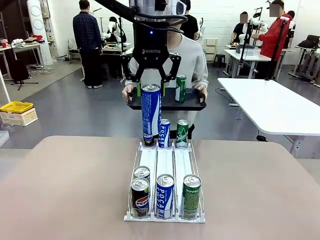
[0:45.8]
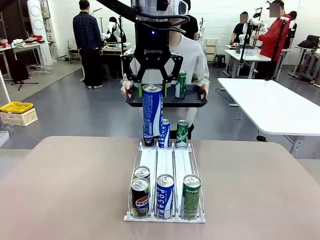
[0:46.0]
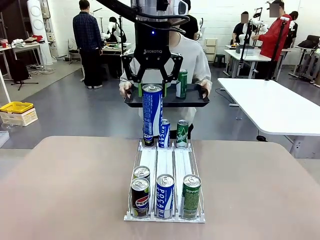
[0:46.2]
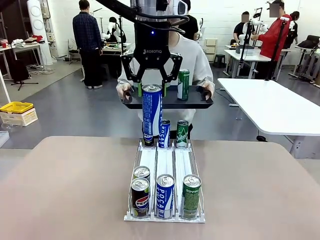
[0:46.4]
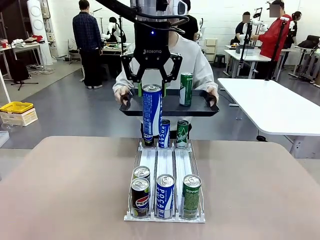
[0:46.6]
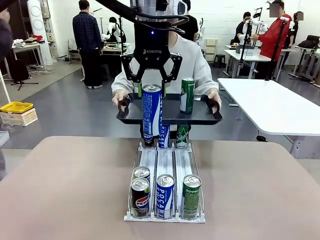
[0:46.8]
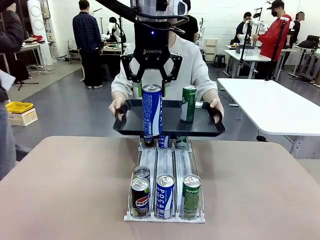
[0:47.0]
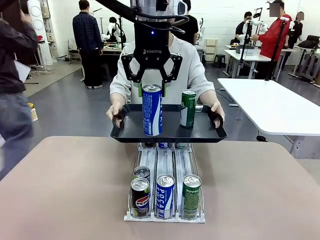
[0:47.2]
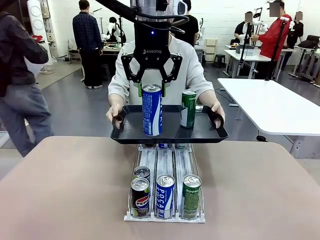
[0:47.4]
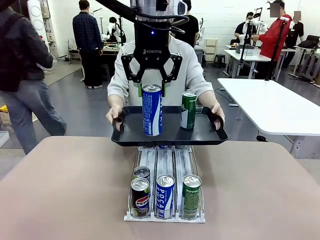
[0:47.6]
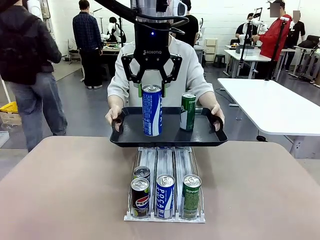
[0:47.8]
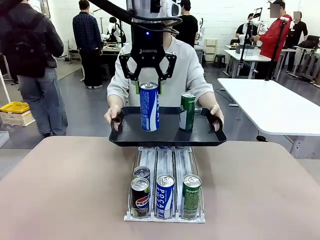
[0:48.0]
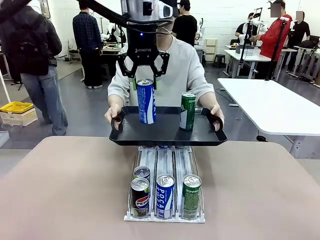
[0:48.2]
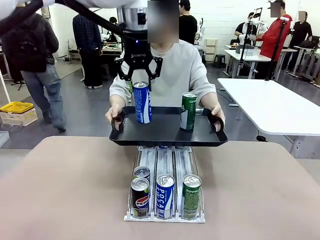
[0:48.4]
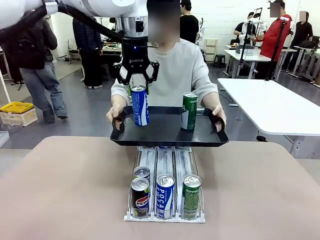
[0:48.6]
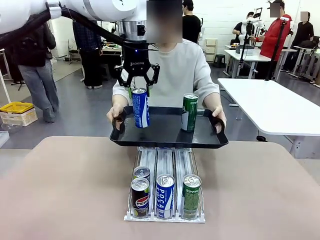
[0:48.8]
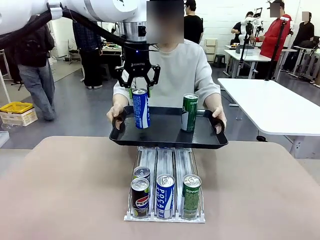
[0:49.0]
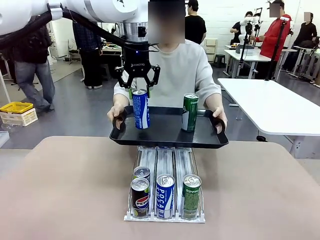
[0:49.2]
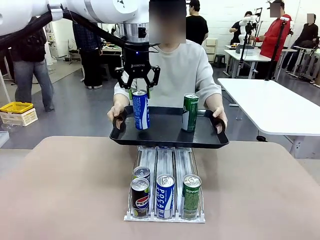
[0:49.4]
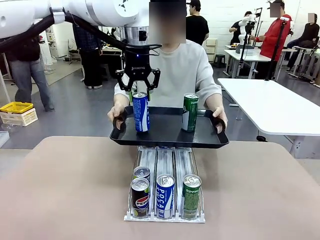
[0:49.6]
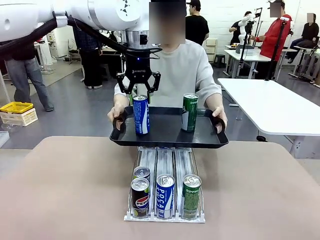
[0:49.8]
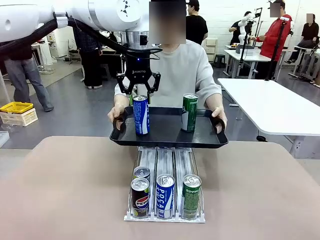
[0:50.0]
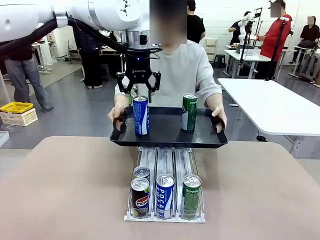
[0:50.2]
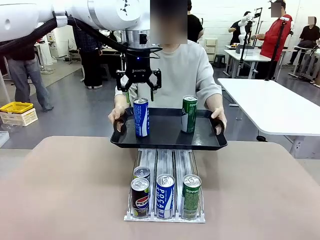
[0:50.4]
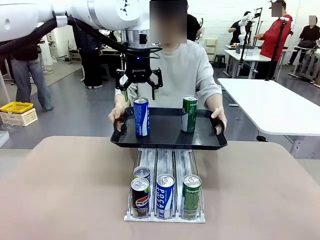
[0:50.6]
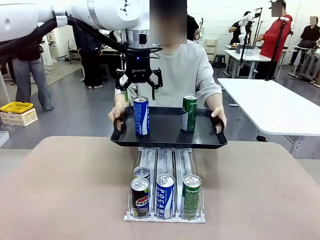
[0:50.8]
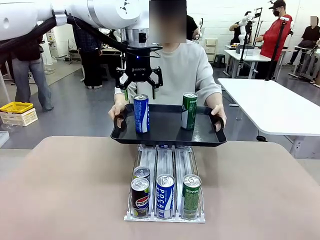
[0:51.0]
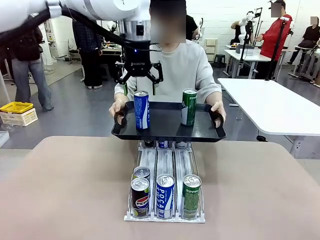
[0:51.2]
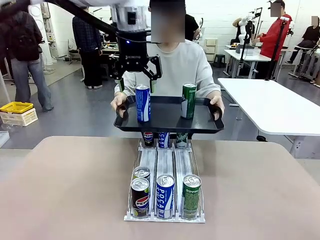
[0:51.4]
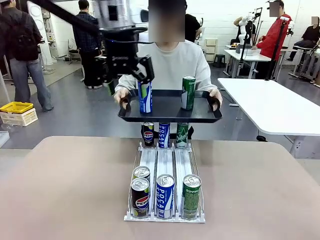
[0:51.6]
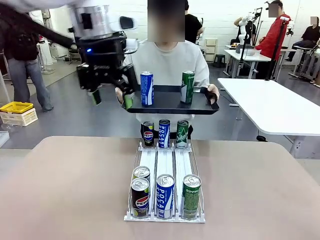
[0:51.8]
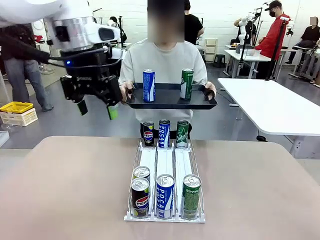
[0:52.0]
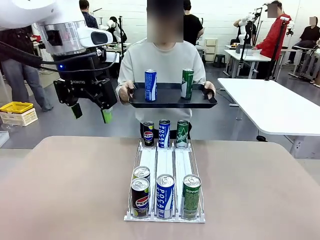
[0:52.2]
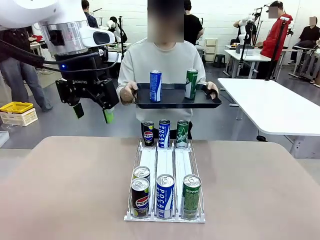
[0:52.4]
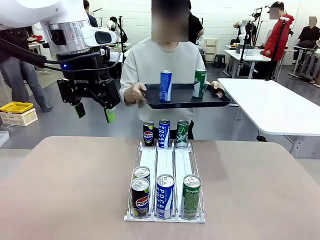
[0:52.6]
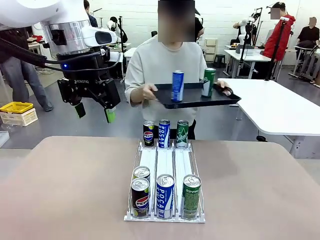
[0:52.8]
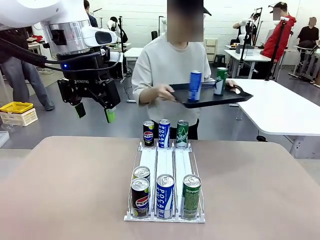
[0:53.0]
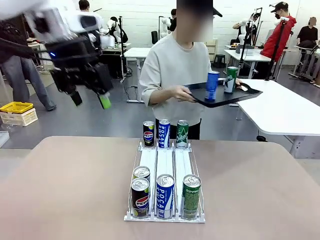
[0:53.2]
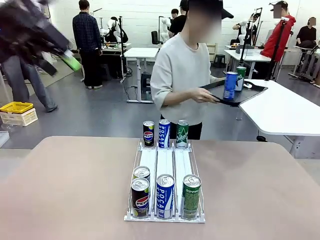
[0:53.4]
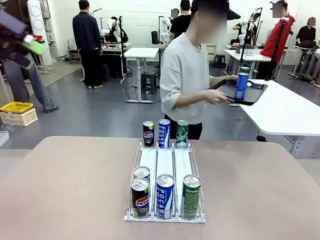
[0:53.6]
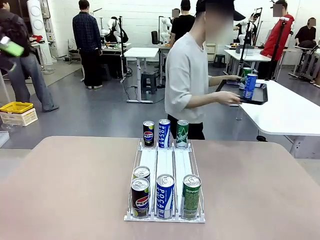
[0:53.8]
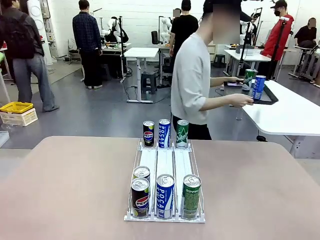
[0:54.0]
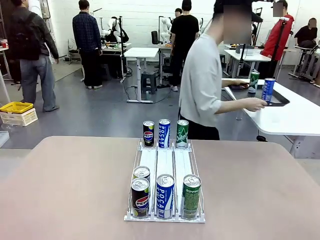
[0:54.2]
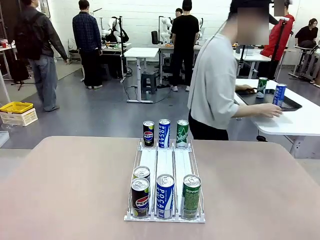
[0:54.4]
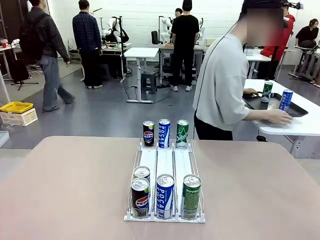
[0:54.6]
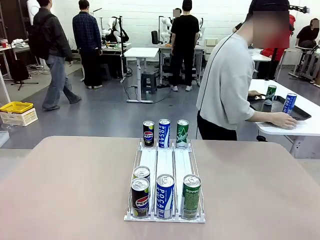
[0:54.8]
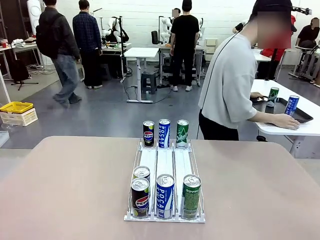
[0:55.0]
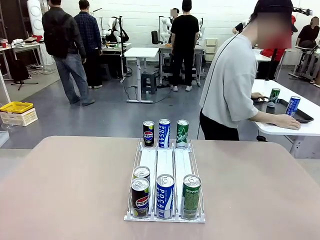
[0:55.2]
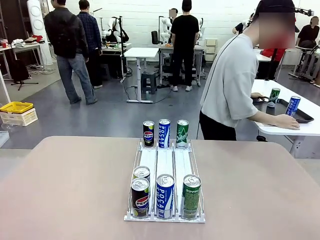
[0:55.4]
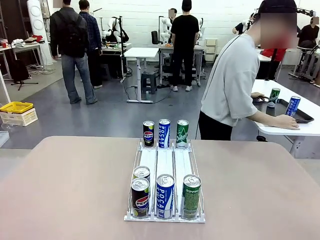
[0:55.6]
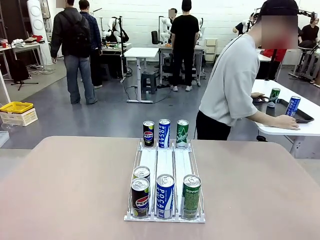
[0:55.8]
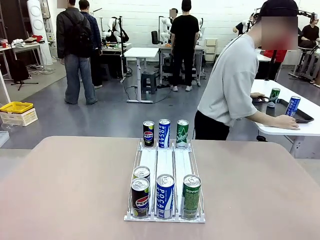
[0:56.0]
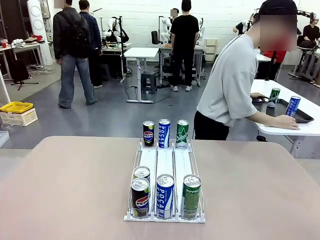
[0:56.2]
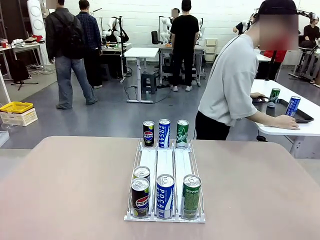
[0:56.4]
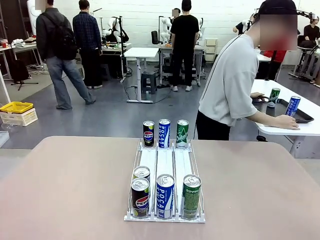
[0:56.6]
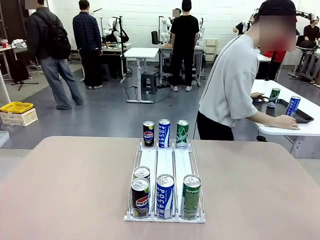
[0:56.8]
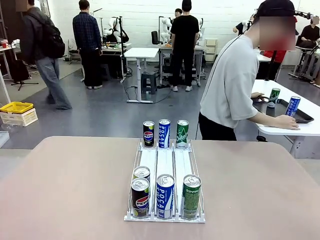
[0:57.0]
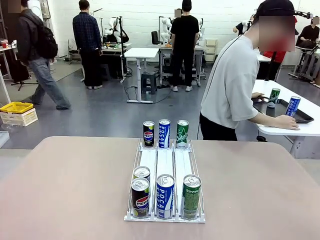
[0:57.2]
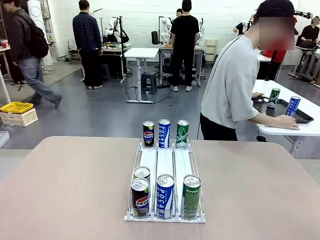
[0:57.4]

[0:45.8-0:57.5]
Task: Retrieve and hand over the desired beverage to the person.
Robot: Place the picked can on the Handle tray extended by the person.
Person: Pull the tray back and place it at the center of the human table.

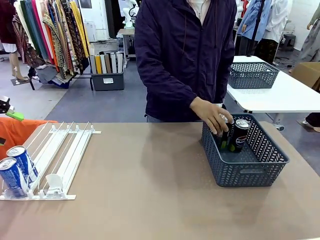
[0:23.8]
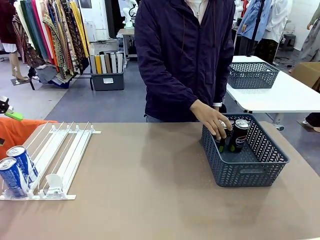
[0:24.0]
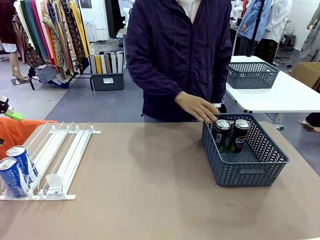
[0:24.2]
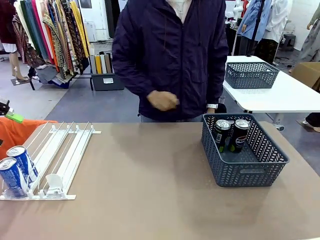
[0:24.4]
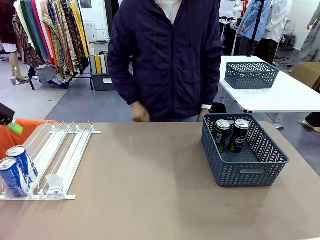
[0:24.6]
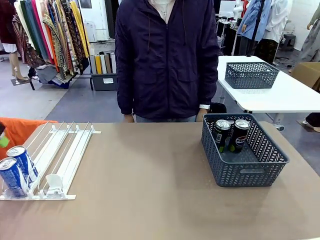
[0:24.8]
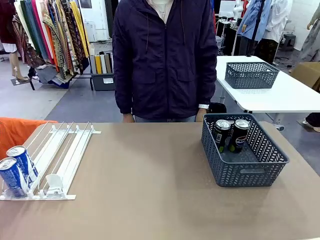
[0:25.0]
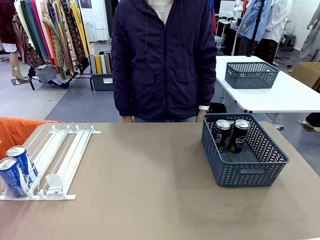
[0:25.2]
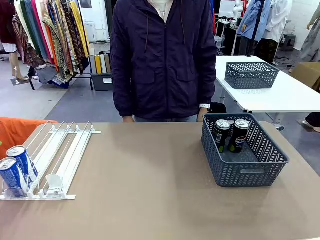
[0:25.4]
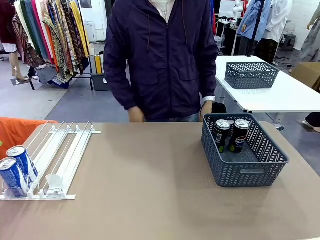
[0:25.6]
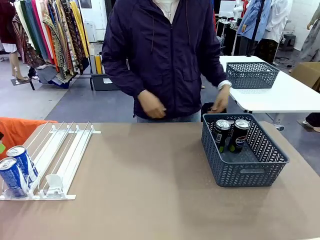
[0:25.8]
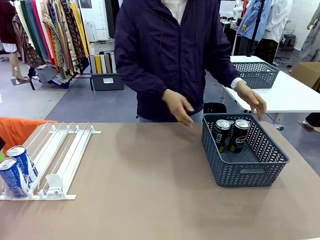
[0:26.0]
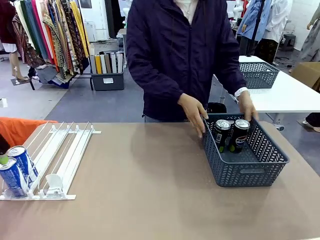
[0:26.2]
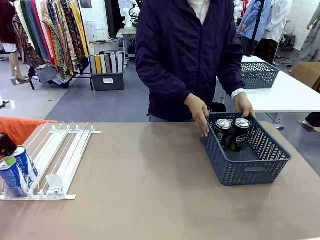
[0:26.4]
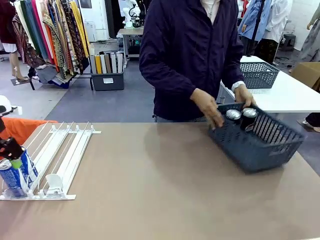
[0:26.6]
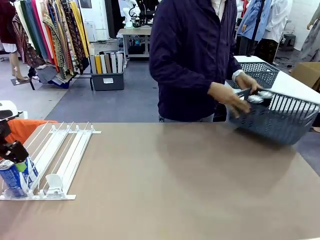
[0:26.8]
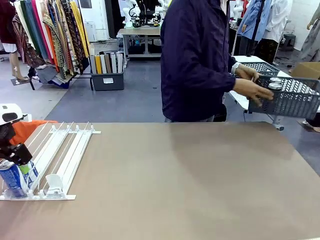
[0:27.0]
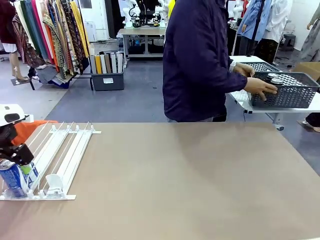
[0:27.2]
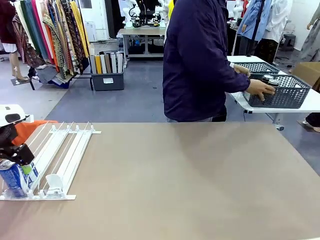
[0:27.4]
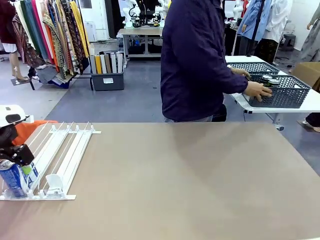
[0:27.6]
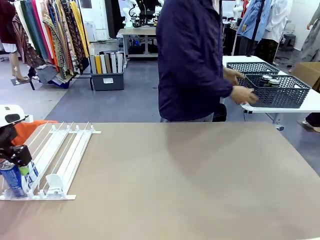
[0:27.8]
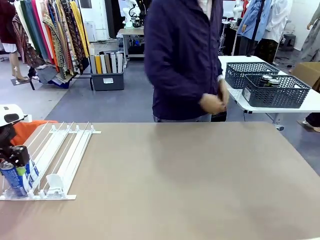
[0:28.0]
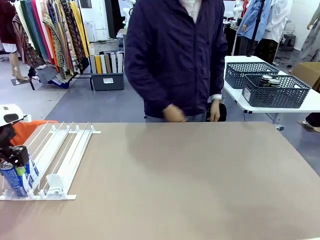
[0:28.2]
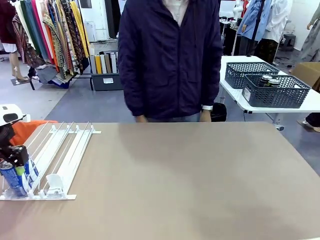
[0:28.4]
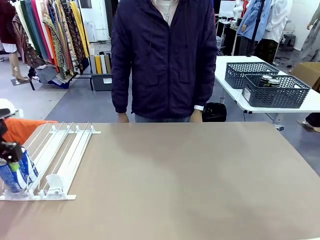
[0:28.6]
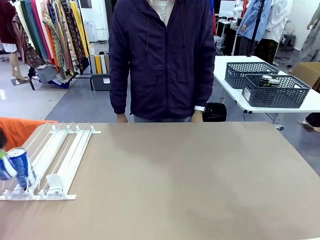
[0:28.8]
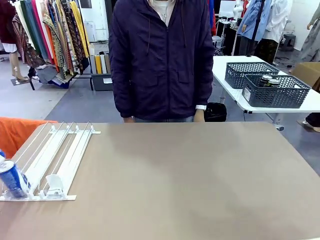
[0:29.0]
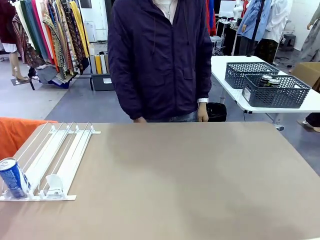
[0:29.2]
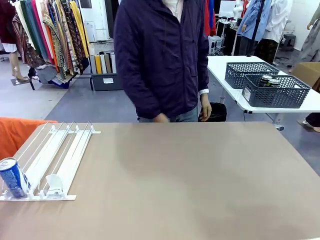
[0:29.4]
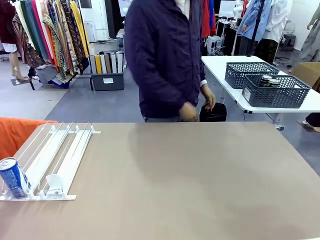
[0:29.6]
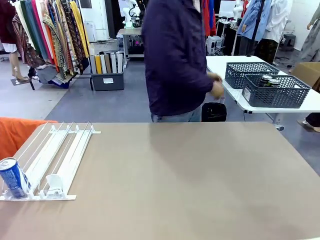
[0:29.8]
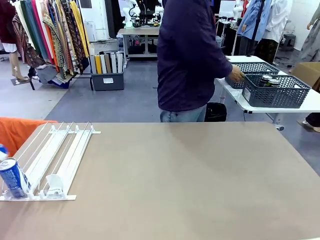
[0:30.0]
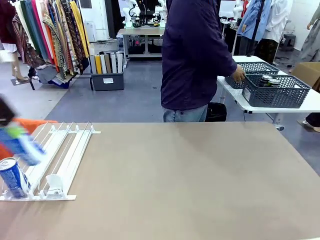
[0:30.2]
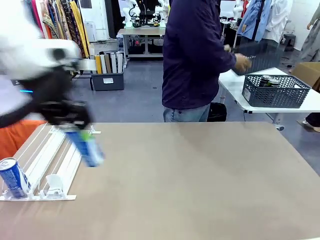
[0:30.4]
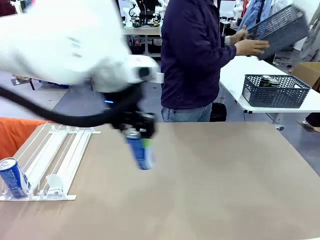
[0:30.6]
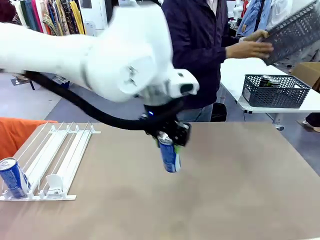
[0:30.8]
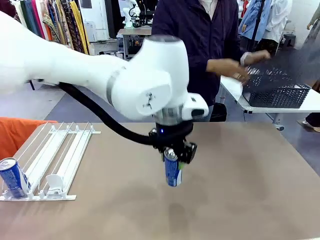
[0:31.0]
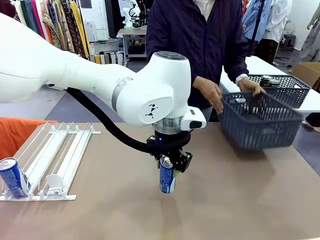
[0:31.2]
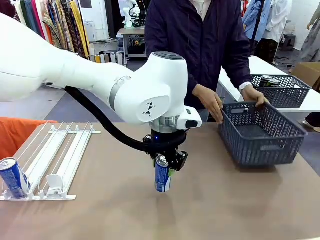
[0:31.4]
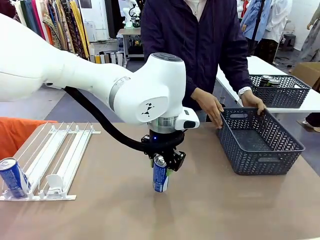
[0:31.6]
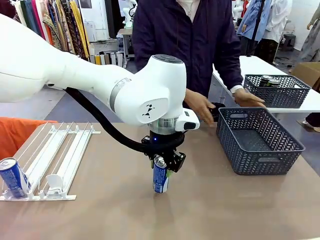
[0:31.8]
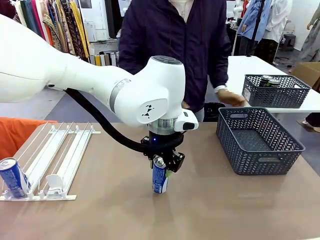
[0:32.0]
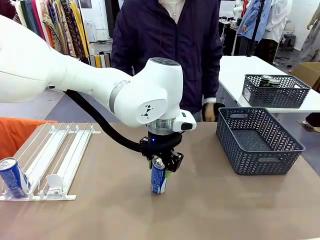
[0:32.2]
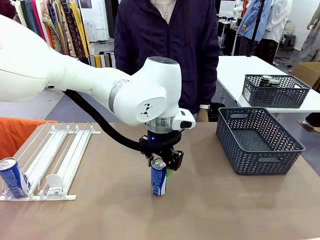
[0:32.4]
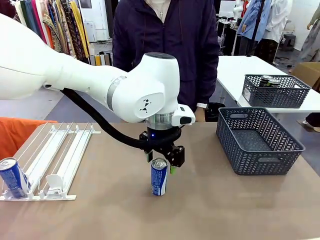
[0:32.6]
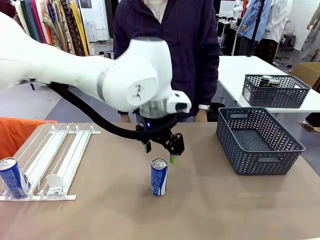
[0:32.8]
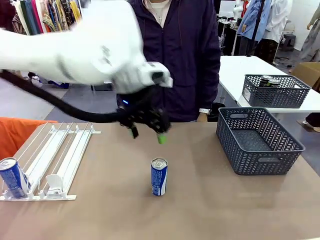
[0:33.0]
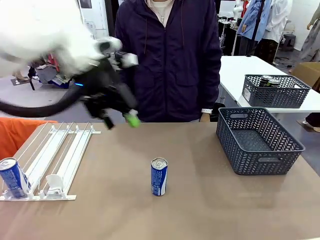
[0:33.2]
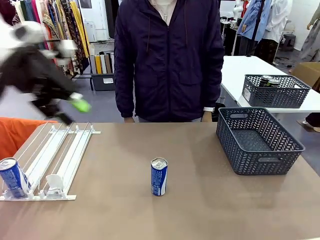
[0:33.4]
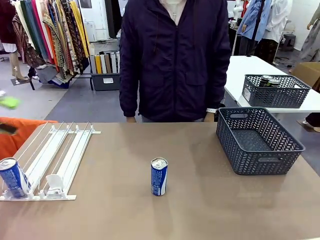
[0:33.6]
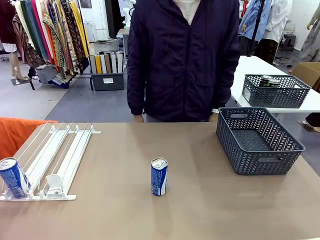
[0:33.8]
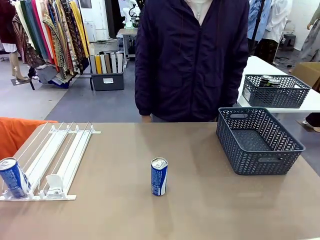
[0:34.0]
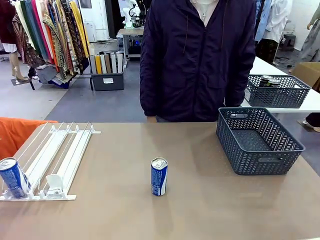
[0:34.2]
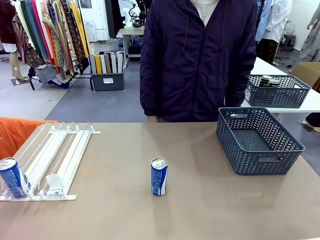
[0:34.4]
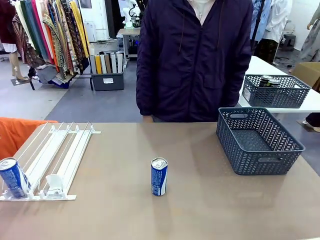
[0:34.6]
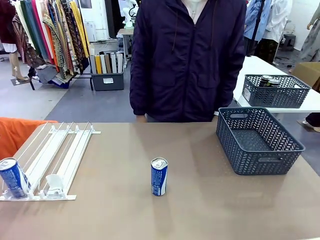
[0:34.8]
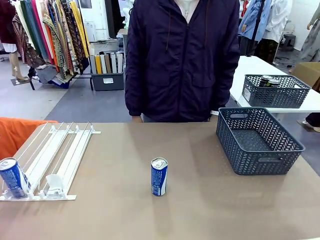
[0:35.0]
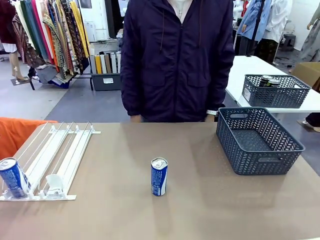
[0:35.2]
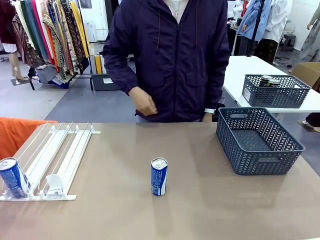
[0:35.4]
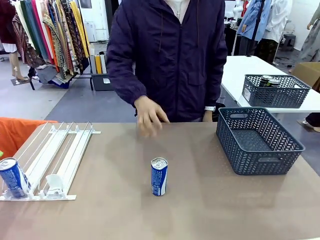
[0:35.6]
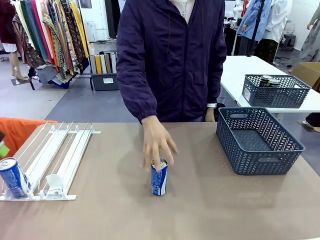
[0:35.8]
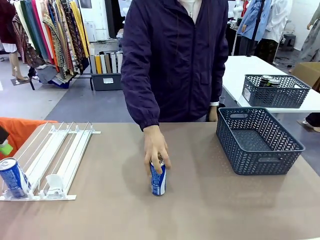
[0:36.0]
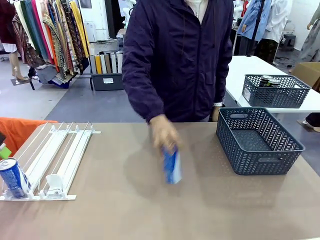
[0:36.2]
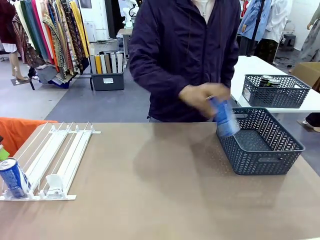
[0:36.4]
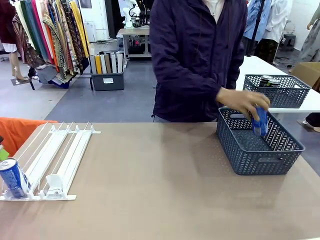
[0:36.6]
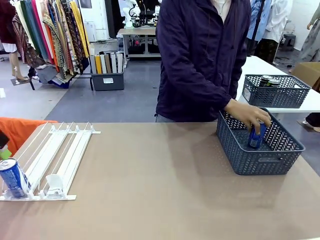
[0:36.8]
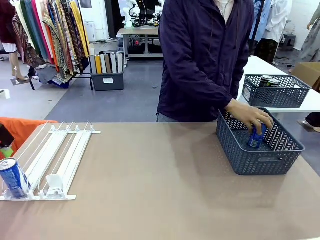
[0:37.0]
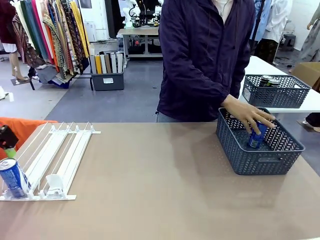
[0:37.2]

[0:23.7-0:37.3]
Task: Retrieve and store the cans from the dispenser.
Robot: Pick up one can from the Automatic Can Dispenser and place it in the middle of the table.
Person: Pick up the basket and place it in the middle of the human table. Pick up the empty basket and place it on the left side of the robot table.
